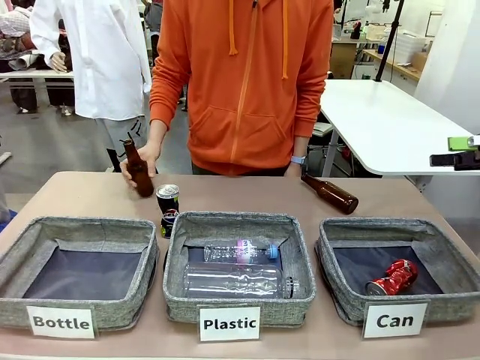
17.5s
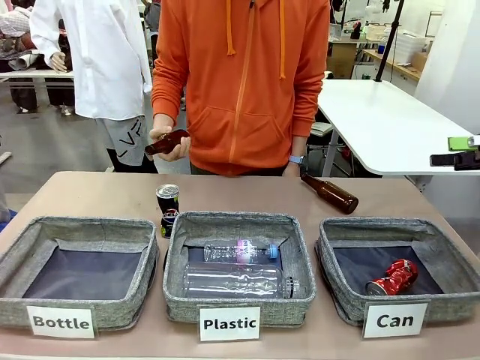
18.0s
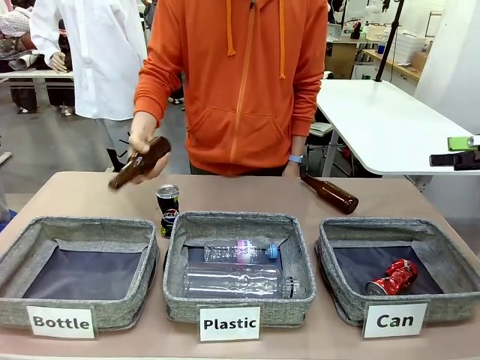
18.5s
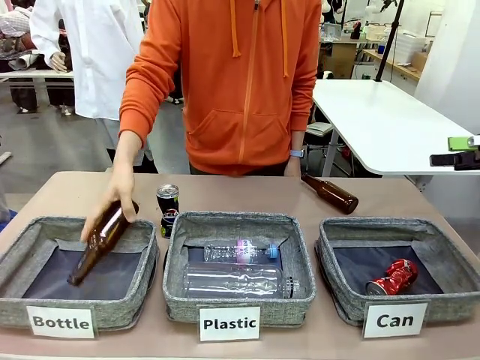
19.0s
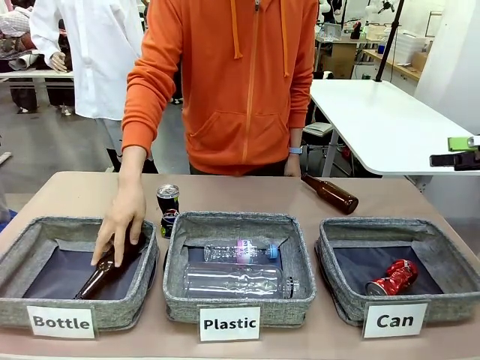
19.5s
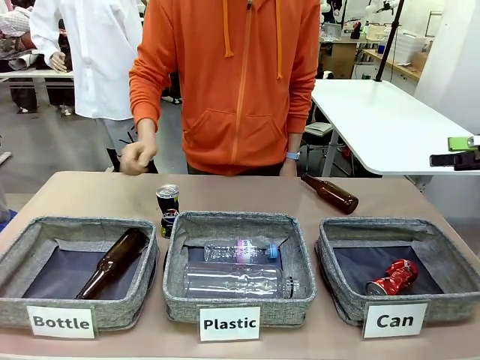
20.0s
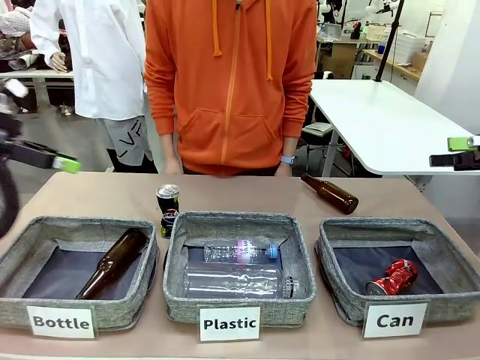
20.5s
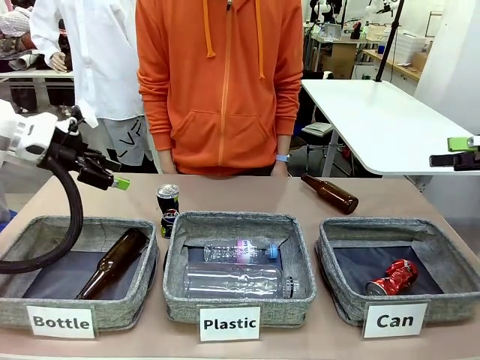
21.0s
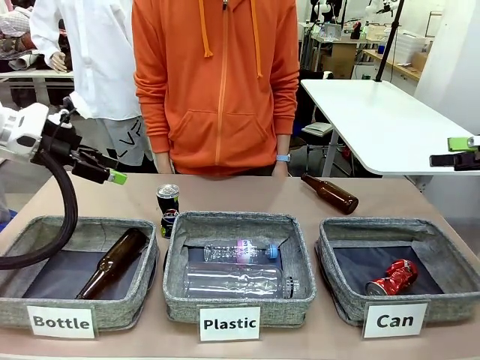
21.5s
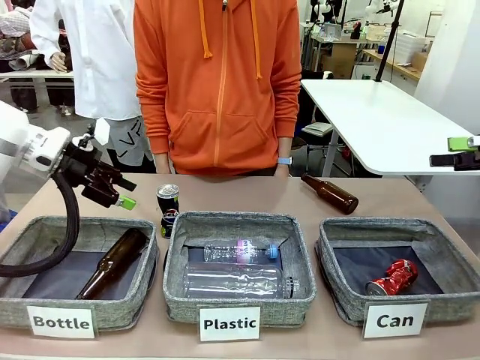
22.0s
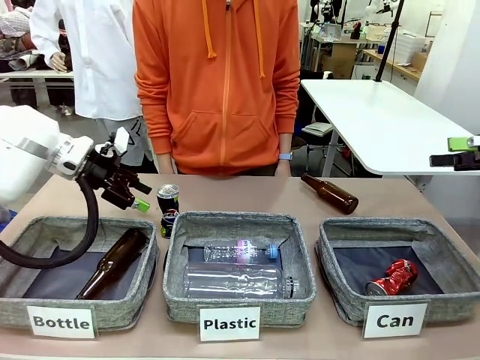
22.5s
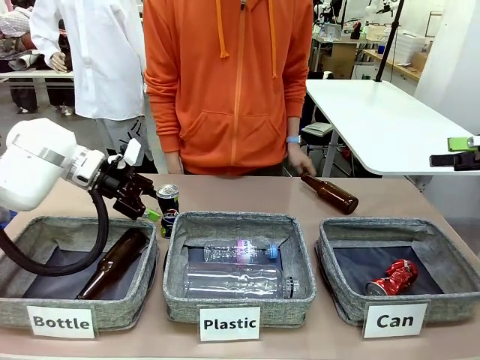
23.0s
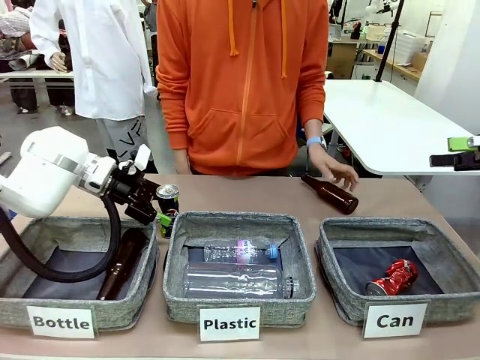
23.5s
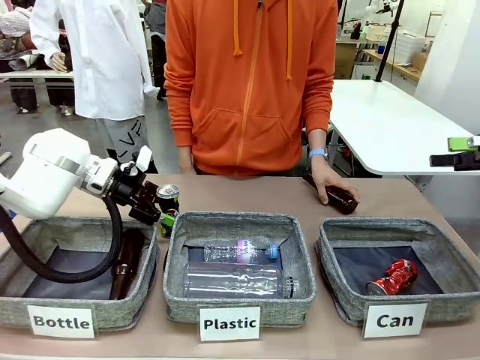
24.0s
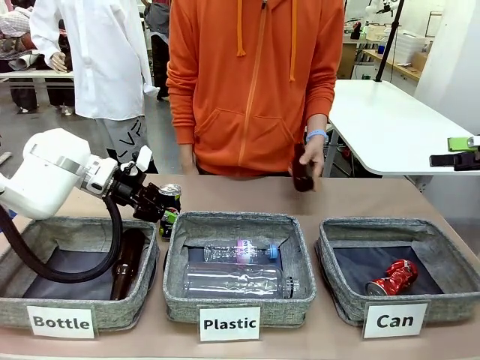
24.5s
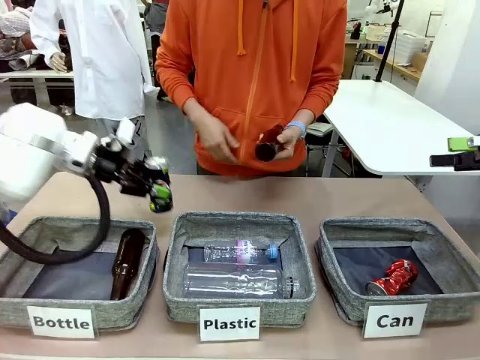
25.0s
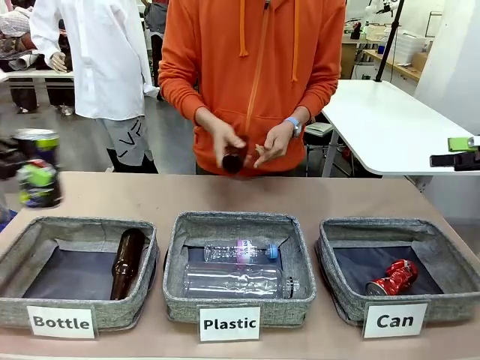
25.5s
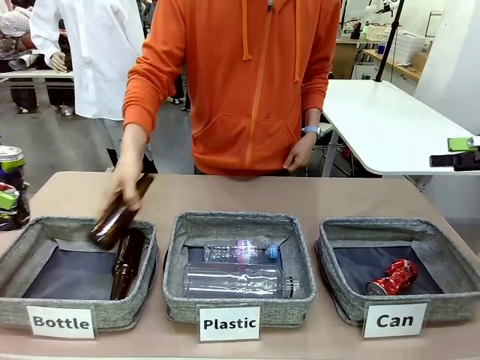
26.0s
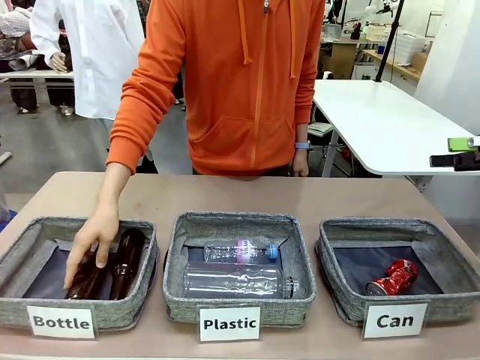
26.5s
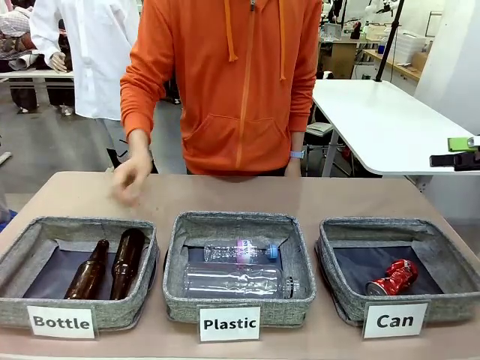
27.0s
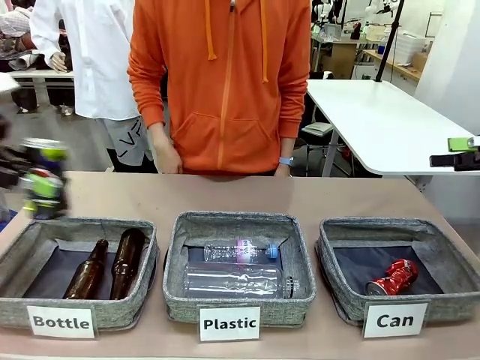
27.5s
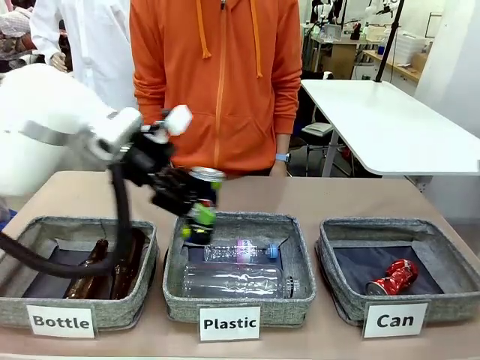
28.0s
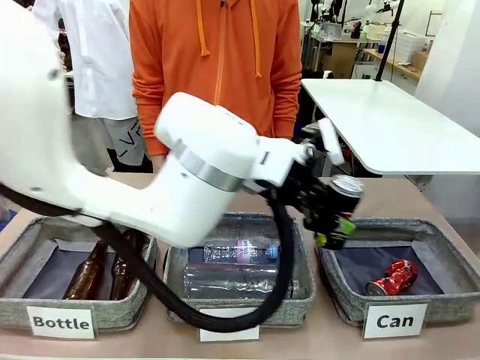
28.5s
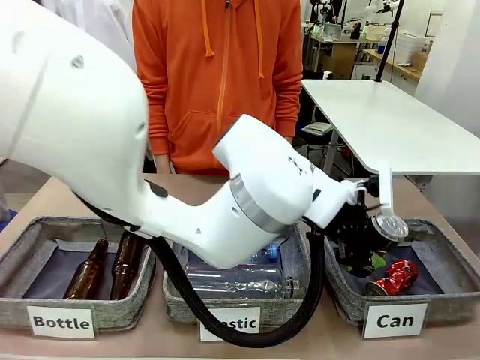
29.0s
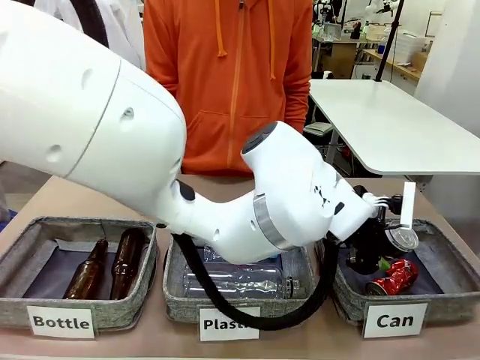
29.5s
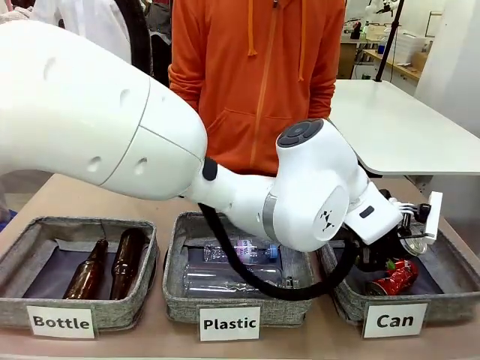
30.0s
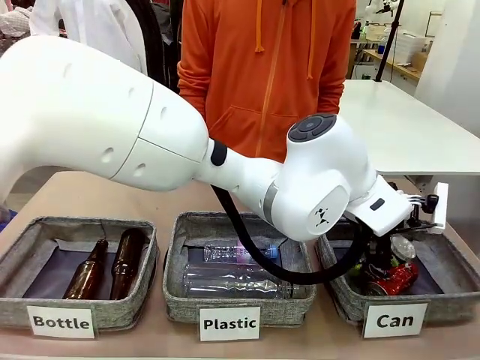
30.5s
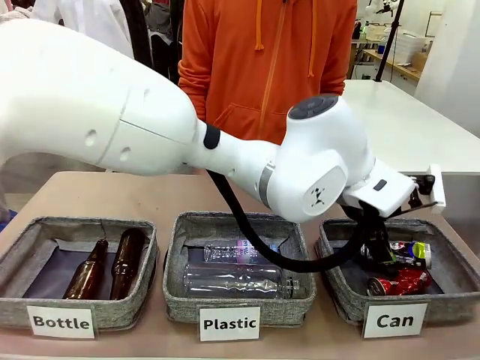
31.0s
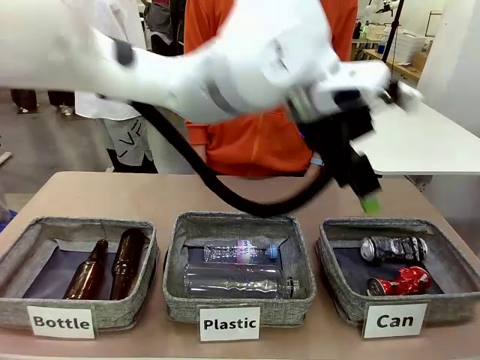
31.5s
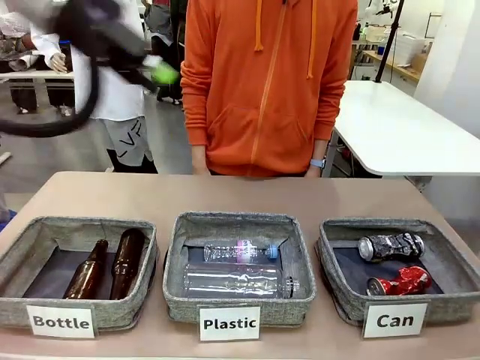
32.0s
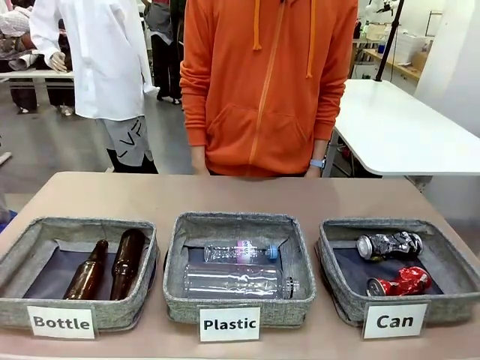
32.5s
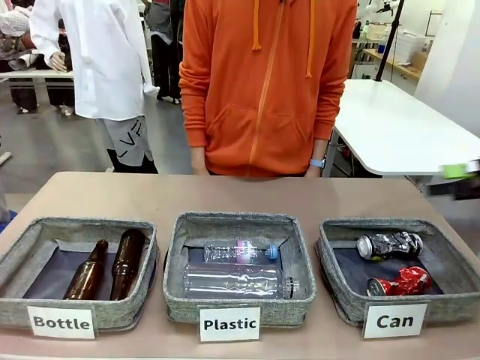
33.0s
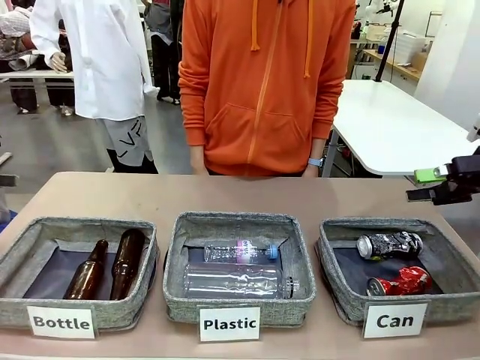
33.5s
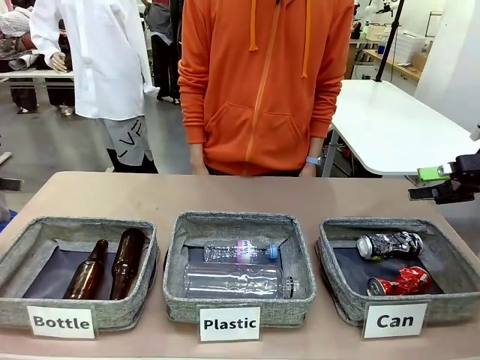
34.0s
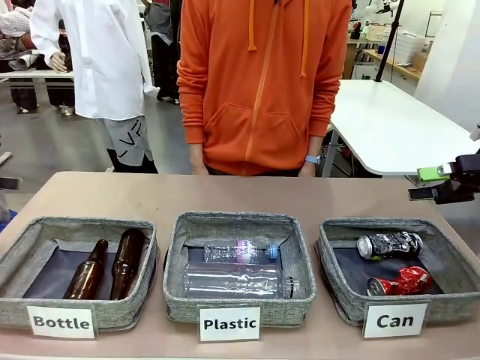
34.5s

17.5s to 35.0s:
Task: Sort the can waste into the basket.
Robot: Pick up the can waste from the table and place it in the right Fabric basket.

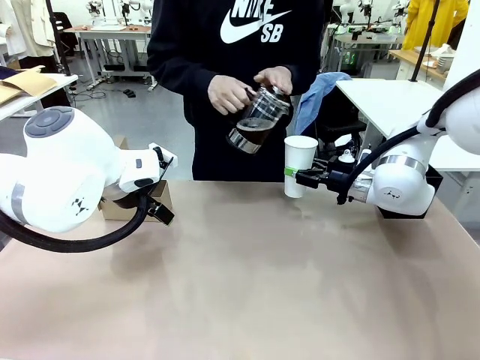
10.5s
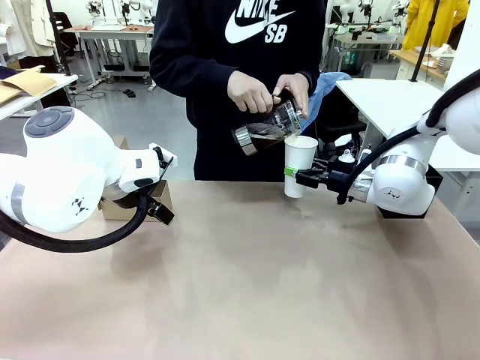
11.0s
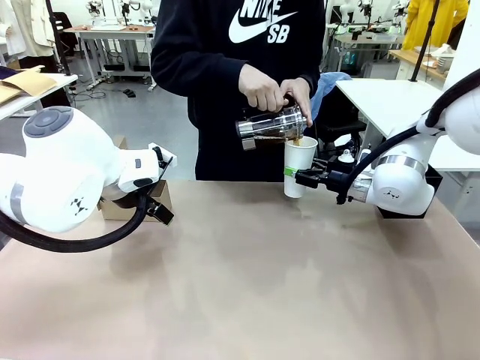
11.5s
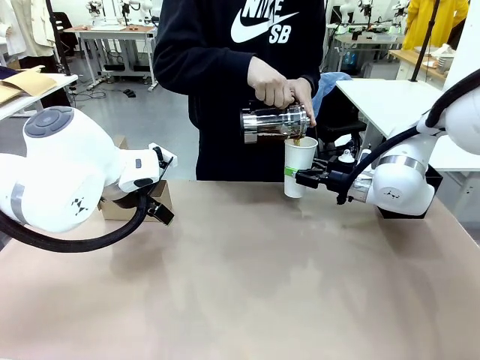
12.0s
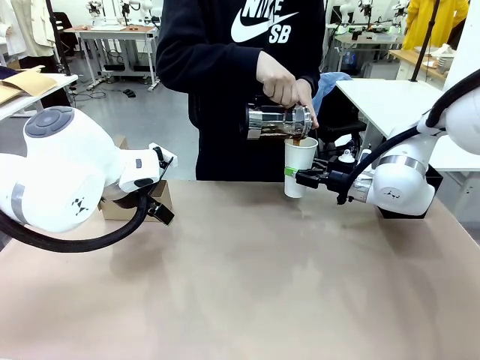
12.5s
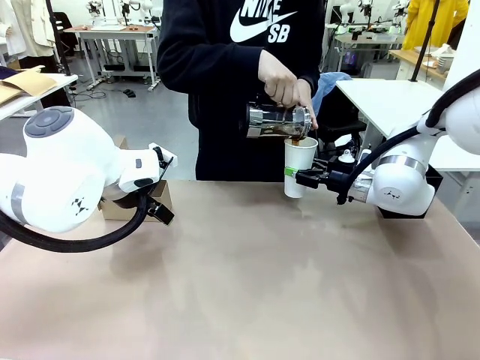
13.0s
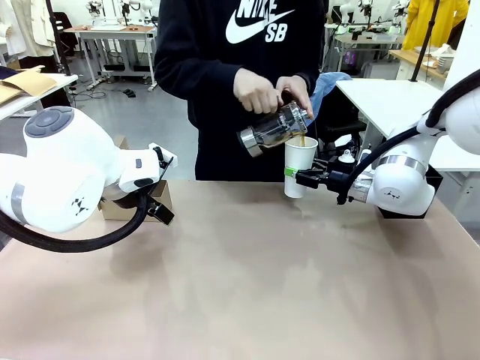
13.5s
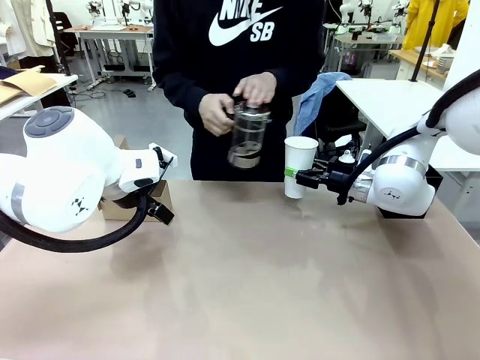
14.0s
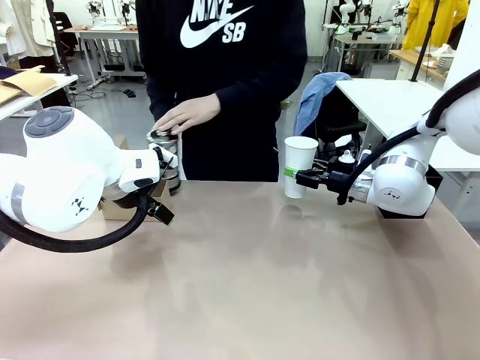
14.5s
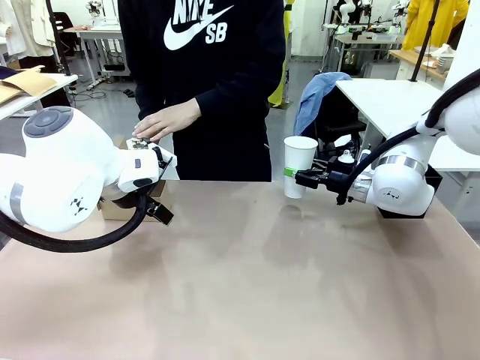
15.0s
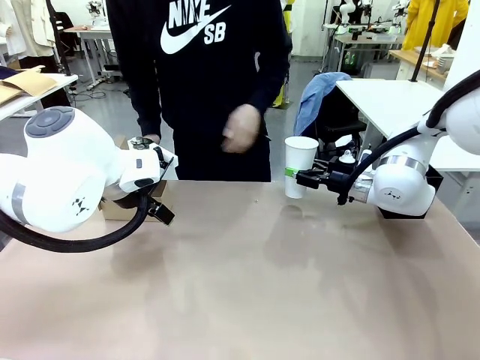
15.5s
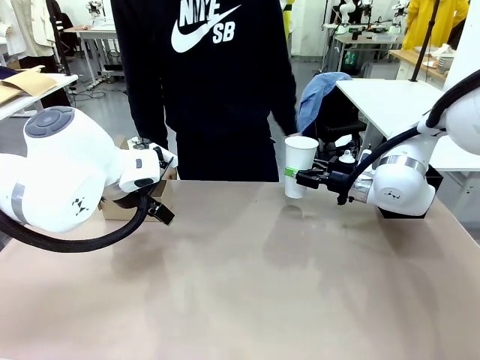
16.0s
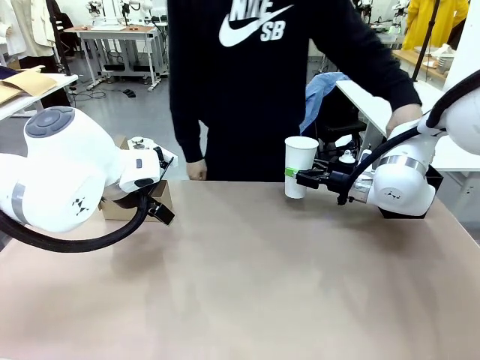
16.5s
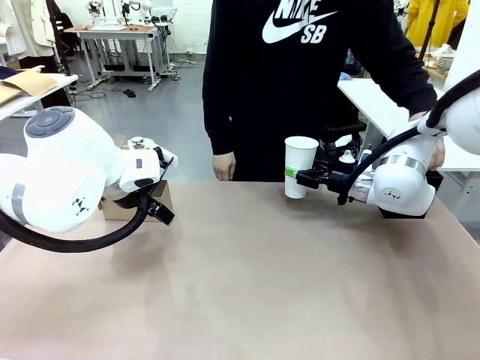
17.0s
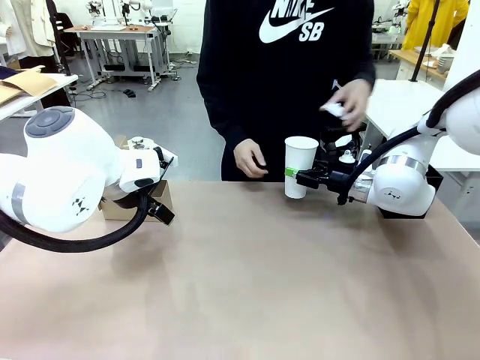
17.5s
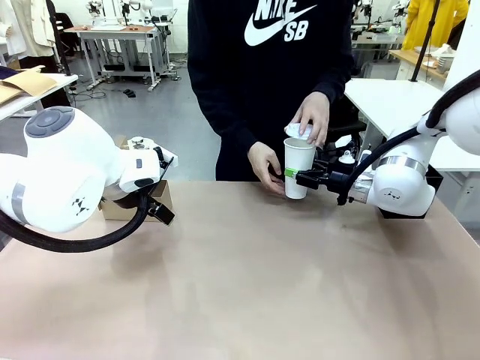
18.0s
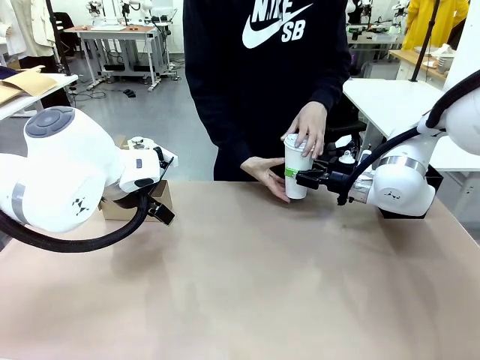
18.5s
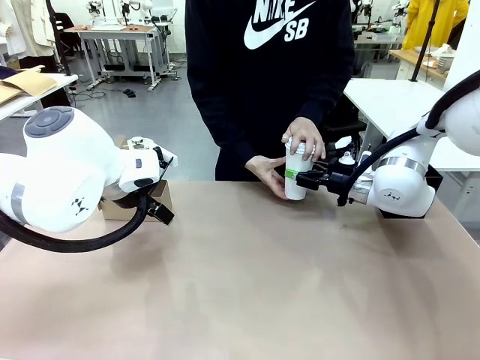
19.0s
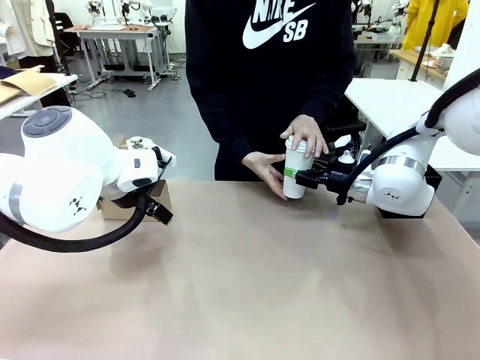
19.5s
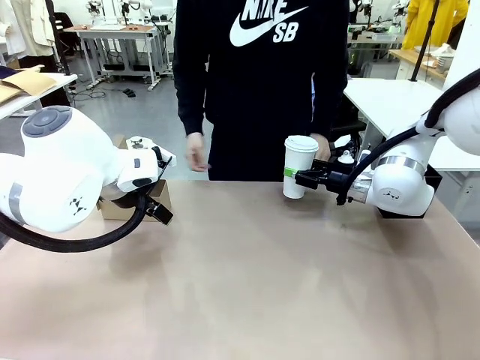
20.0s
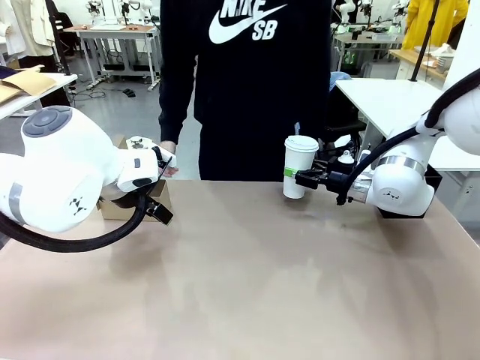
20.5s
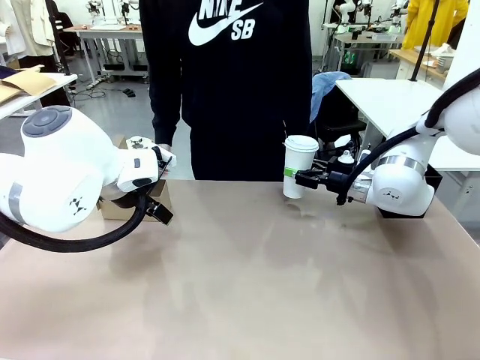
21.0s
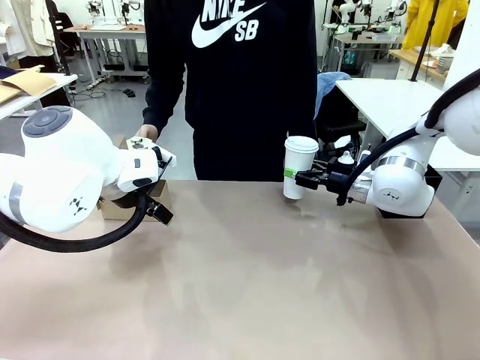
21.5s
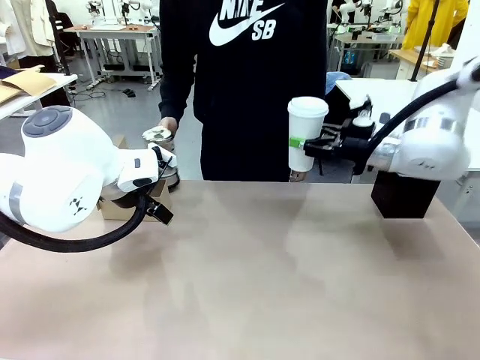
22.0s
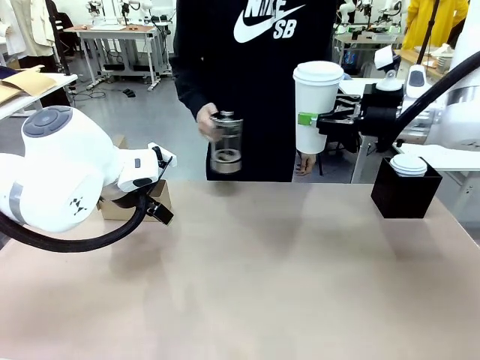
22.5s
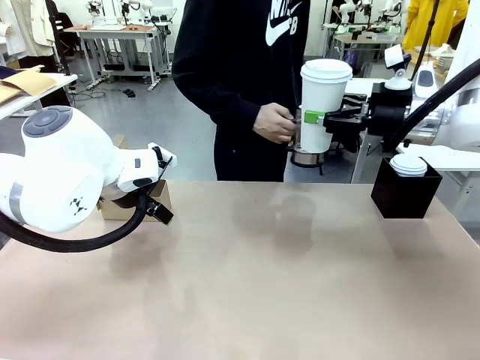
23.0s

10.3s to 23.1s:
Task: Pour a drink into a cup and package it in a carrier.
Robot: When a person places the Paper Cup Lid on the 600 ml Paper Cup , lift the 600 ml Paper Cup.
Person: Pour the drink from the Filter Brewing into the 600 ml Paper Cup. Place a Paper Cup Lid on the 600 ml Paper Cup.
